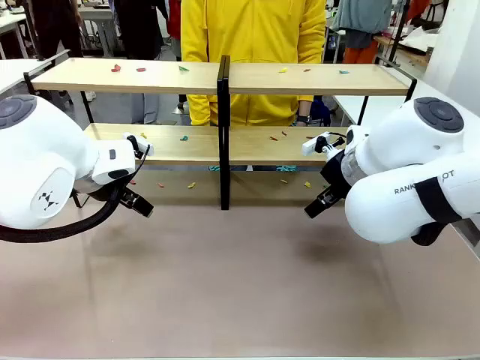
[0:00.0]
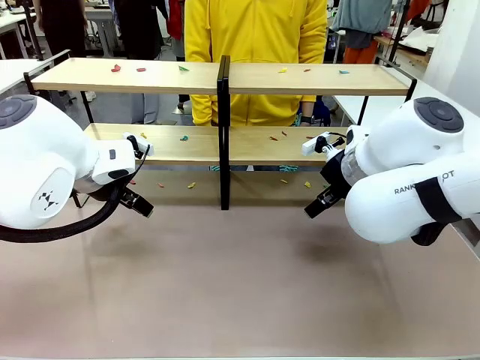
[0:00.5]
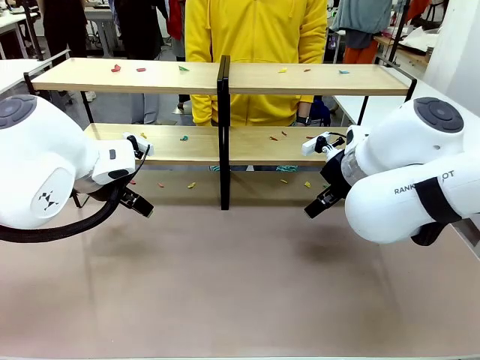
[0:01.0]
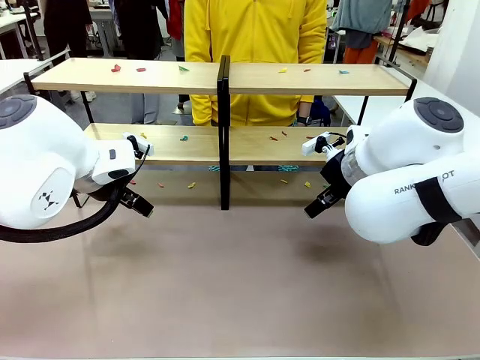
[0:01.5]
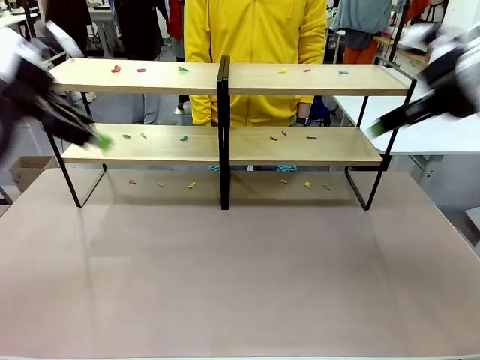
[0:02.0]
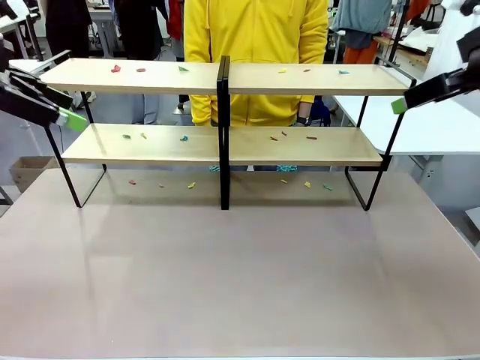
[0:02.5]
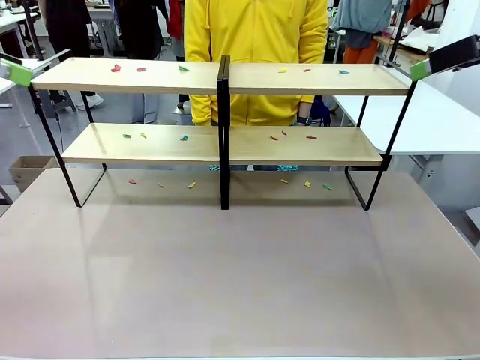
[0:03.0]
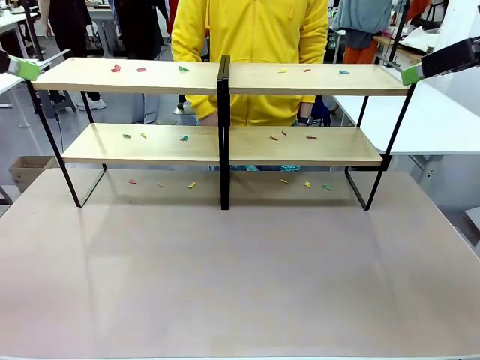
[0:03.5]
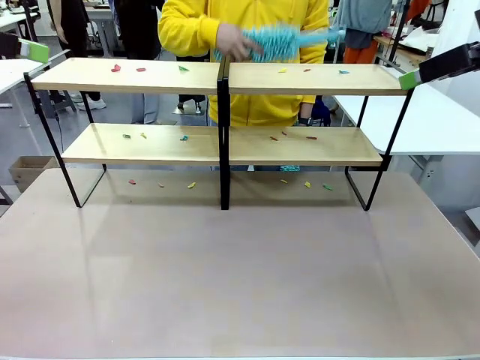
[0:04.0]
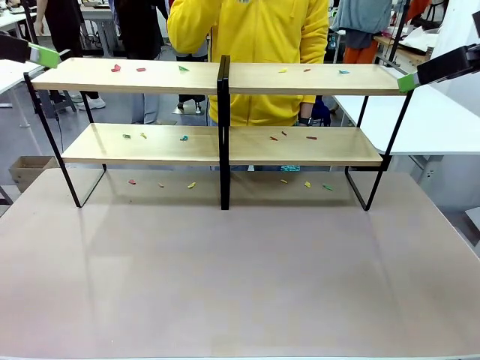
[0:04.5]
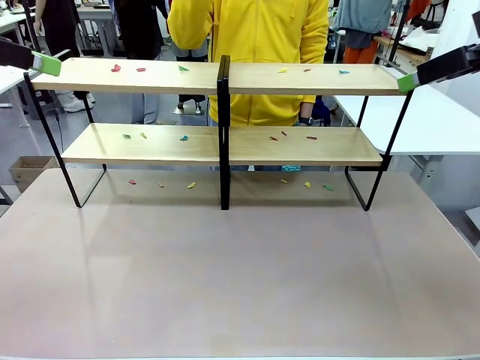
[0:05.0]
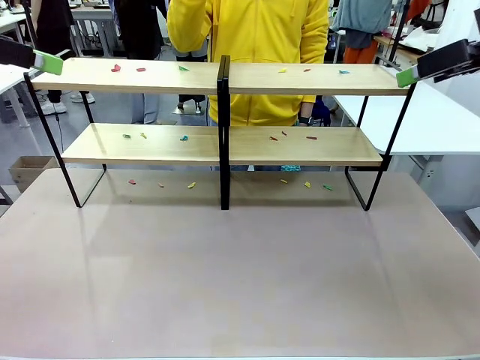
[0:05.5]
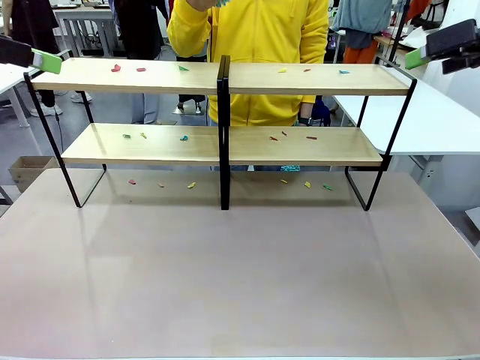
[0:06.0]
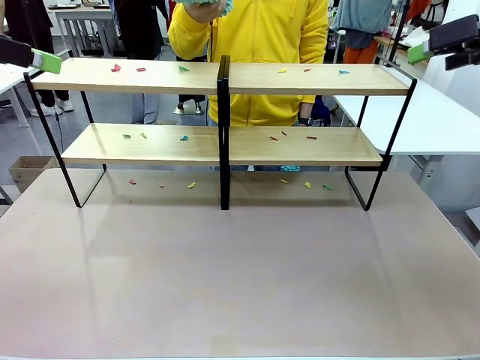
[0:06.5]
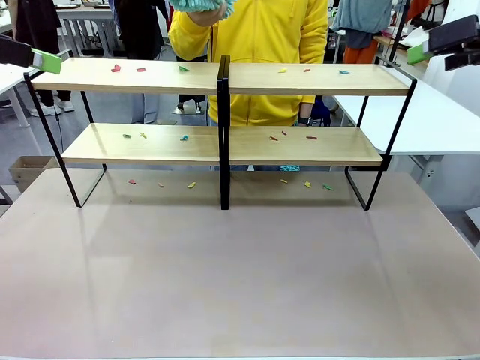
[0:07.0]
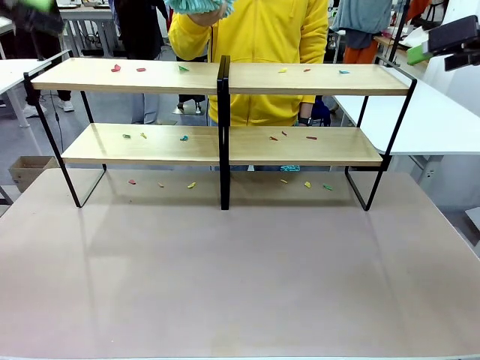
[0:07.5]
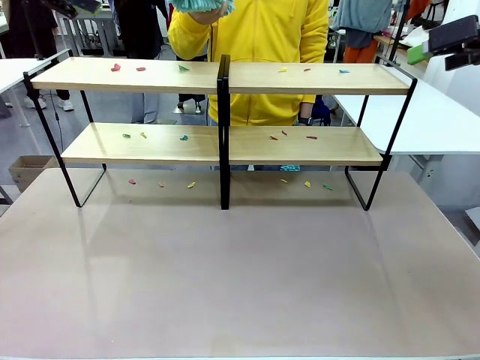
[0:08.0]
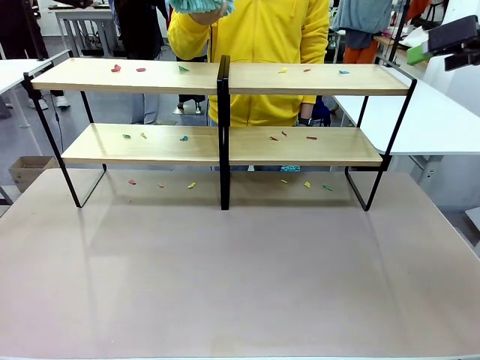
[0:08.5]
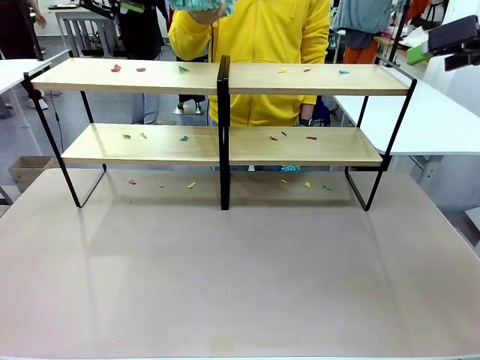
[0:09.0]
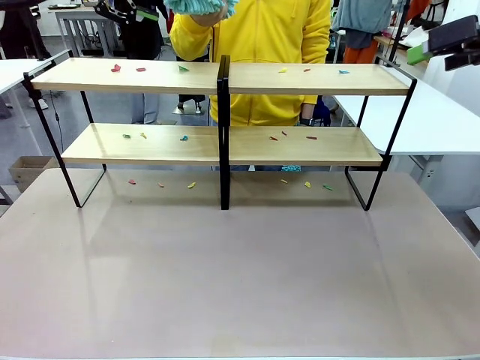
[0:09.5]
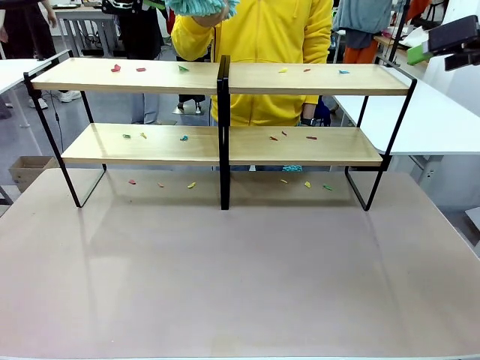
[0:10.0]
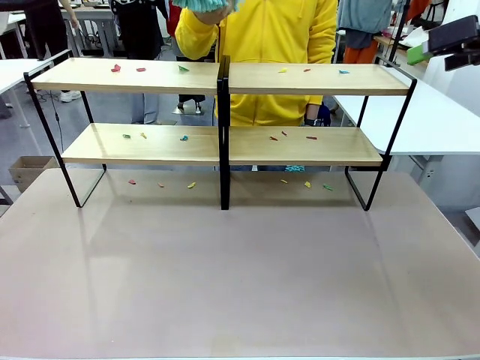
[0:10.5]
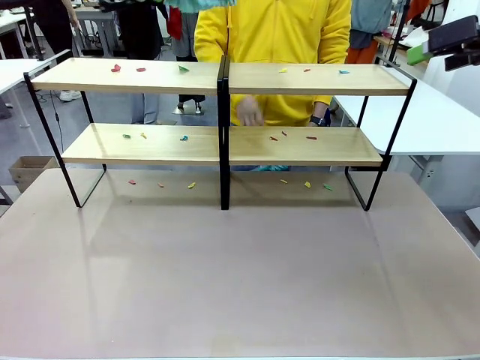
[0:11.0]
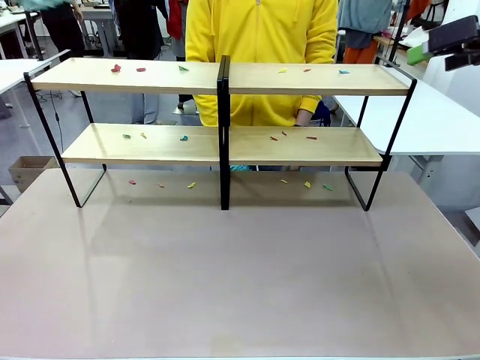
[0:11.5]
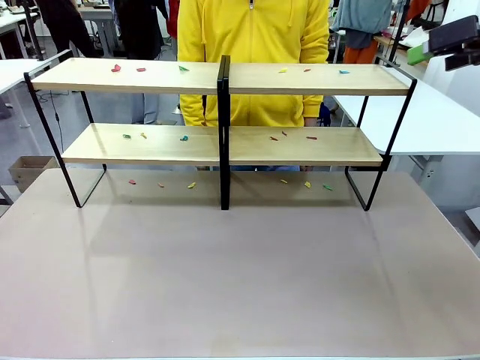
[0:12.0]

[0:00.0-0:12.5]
Task: Clean the shelves.
Robot: Pick up the Duster when the human hands it over.
Person: Hand the Duster to the robot with your right (or left) hand.

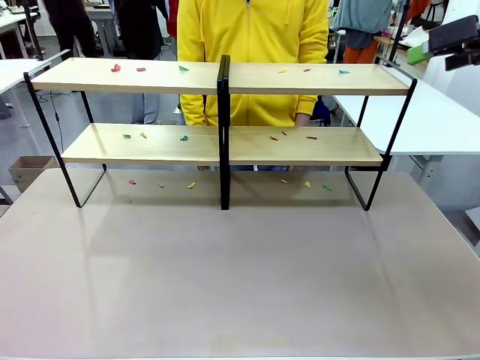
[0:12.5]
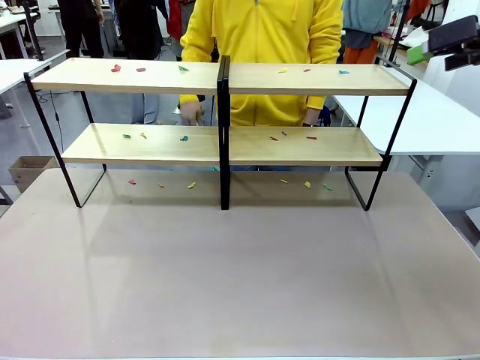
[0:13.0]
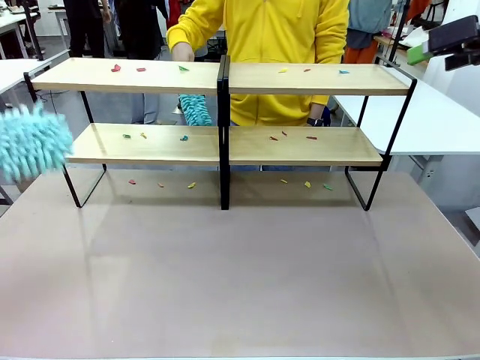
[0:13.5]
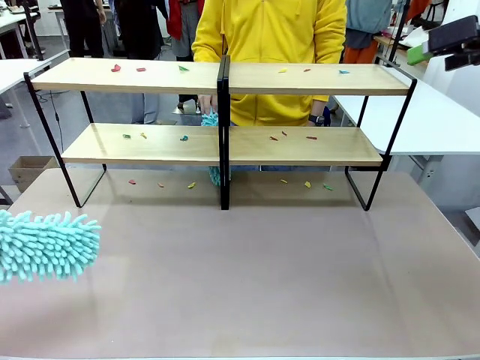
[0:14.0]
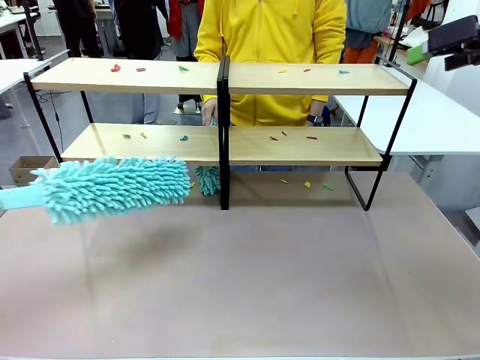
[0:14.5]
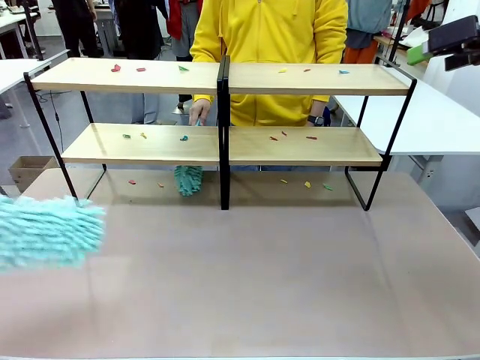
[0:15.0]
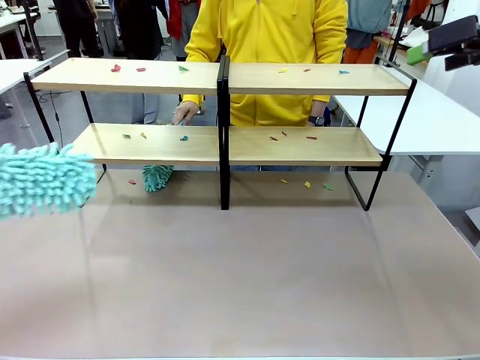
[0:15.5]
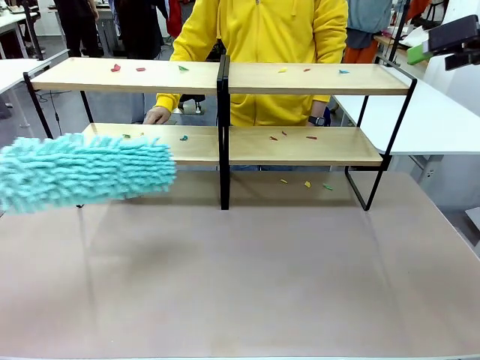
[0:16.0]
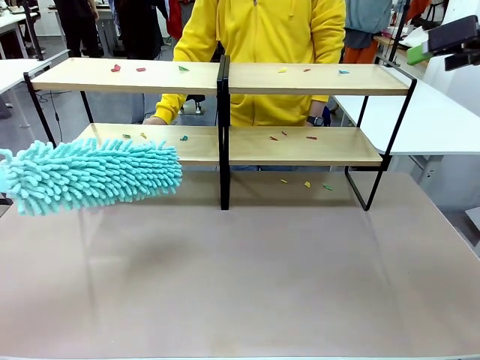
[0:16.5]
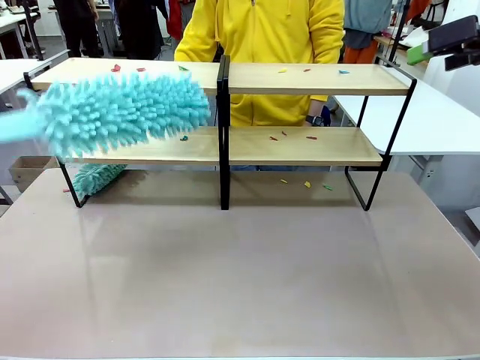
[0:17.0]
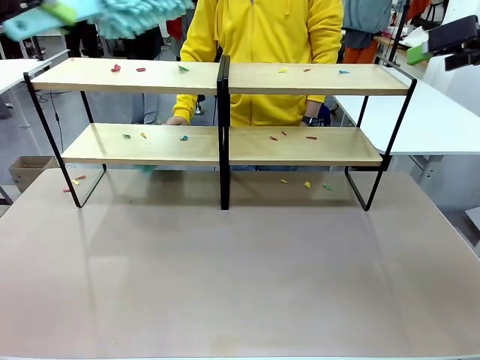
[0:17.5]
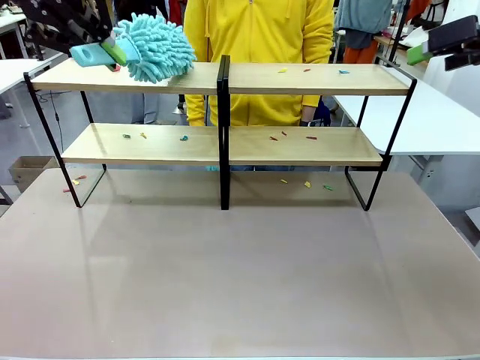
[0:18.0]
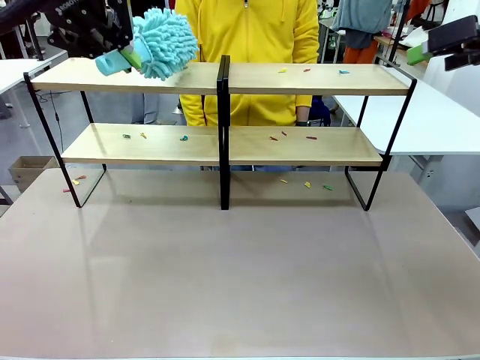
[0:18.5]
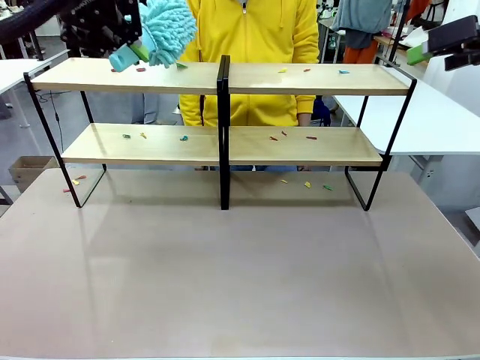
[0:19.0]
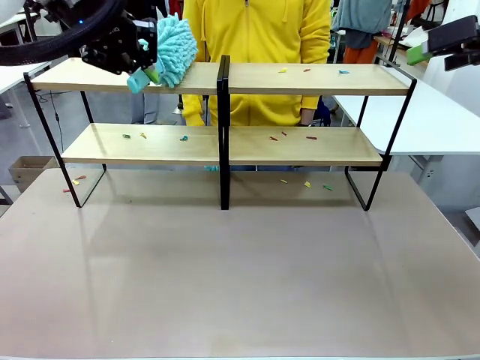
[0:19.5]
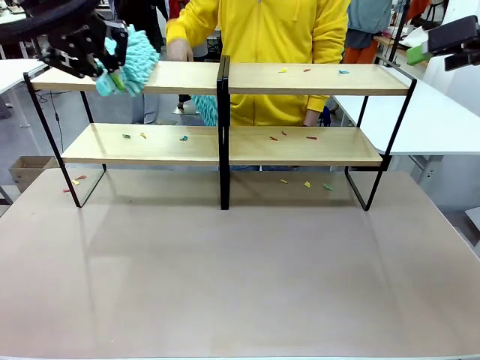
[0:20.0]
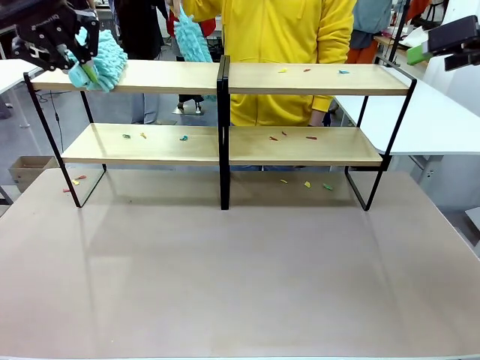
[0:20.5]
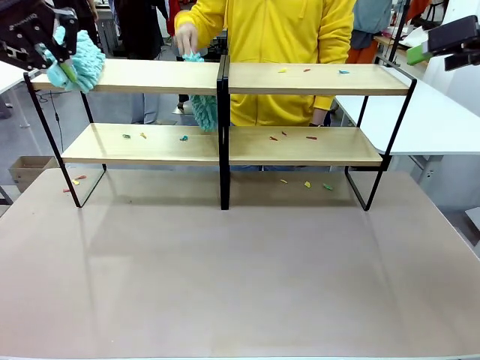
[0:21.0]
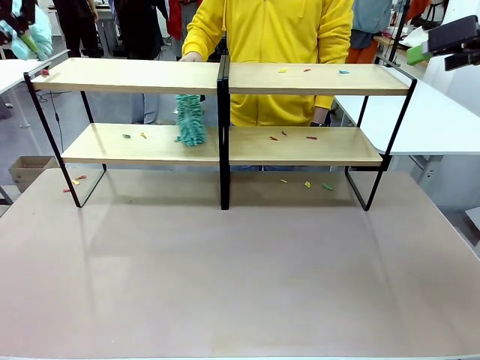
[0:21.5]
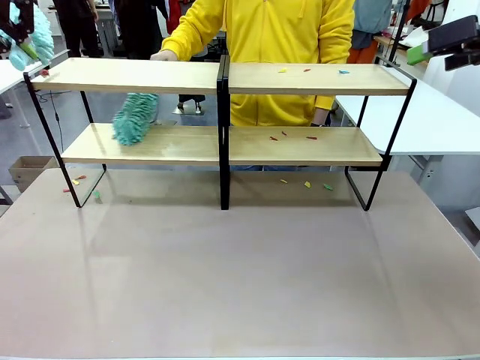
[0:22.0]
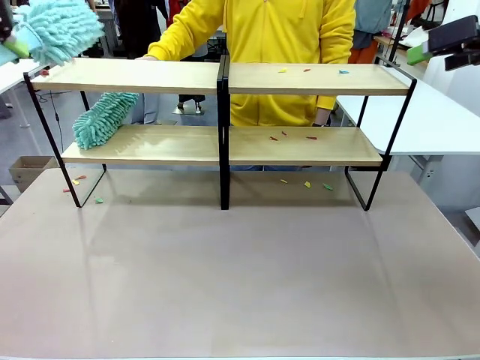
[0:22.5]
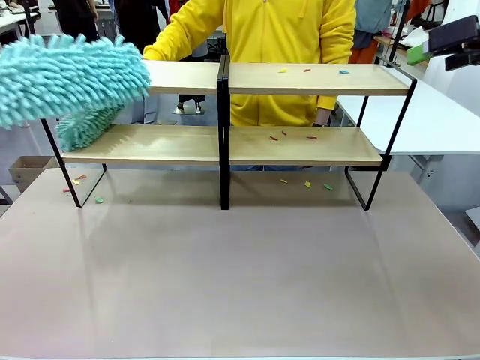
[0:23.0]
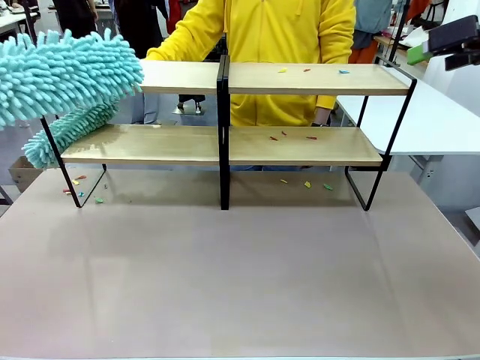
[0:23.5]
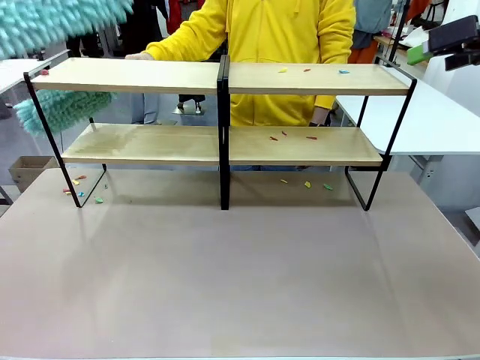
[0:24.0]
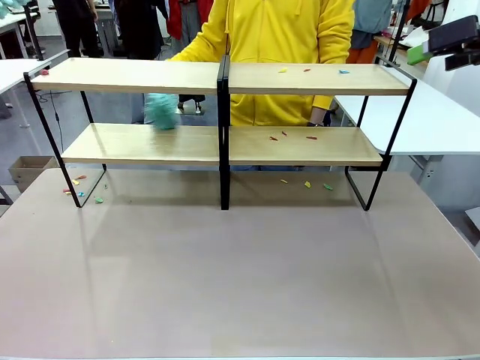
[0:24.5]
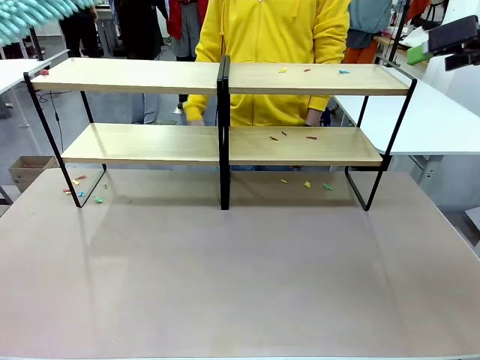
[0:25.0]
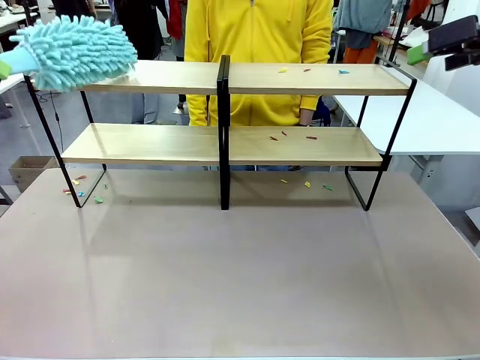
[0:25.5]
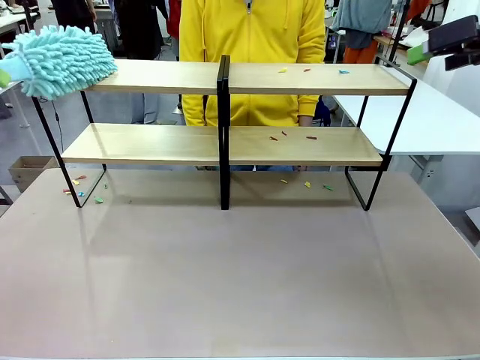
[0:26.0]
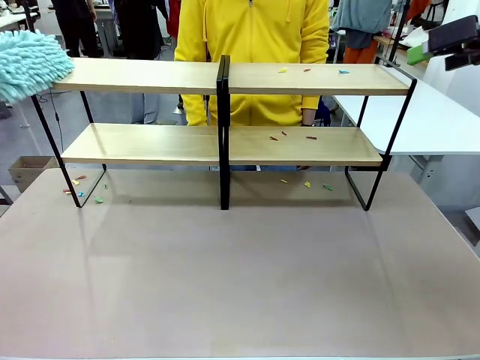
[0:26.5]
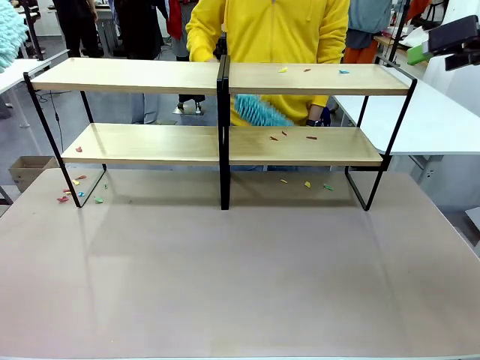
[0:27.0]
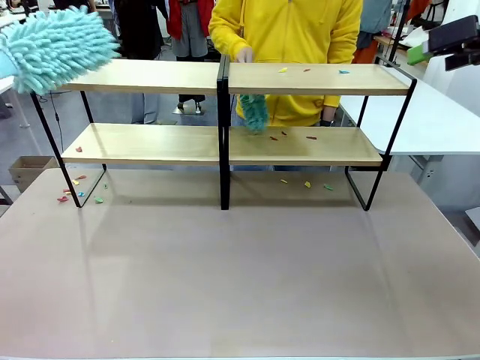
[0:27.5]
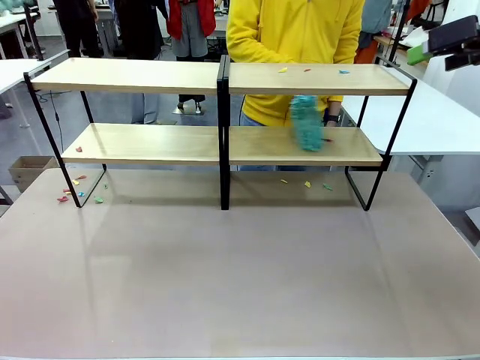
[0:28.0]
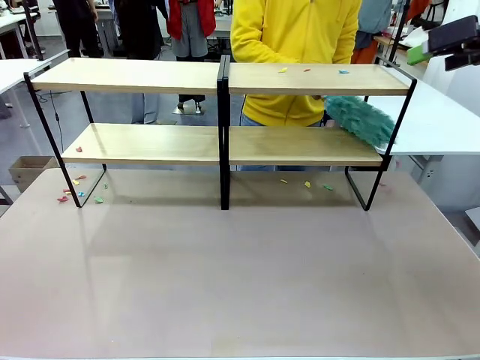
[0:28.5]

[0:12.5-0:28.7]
Robot: Clean a randomly selected level of the Shelf with the Duster.
Person: Clean a randomly selected level of the Shelf with the Duster.
